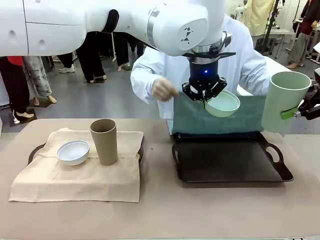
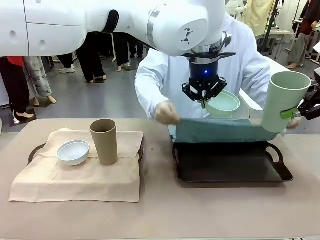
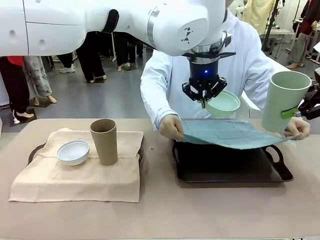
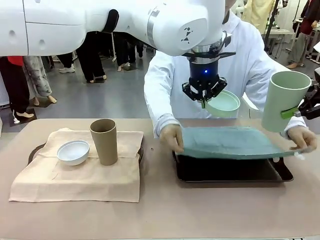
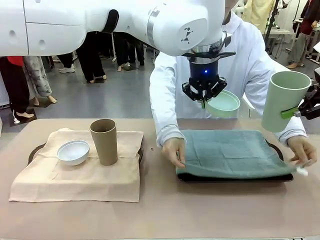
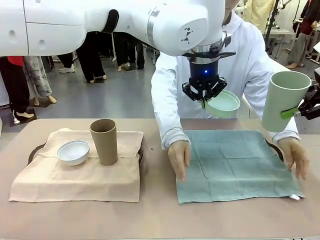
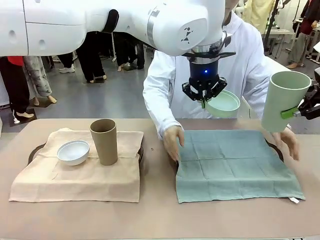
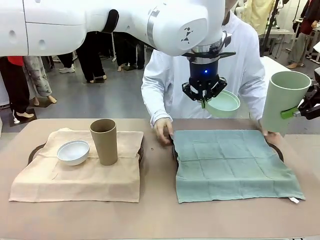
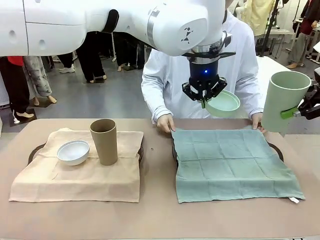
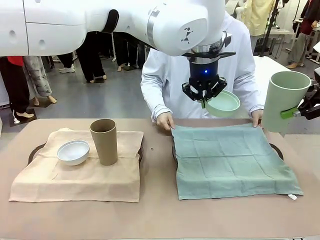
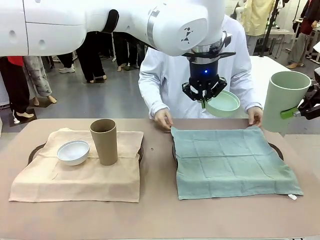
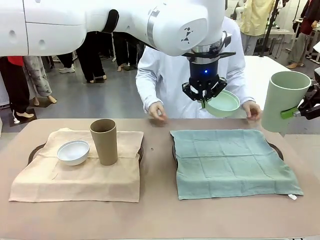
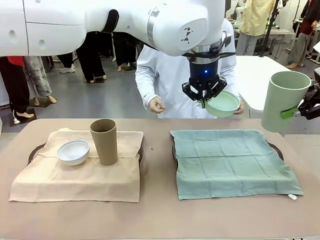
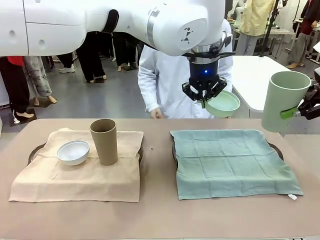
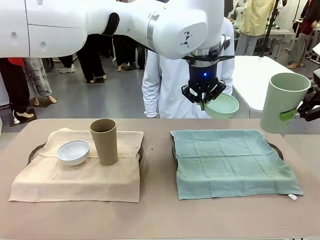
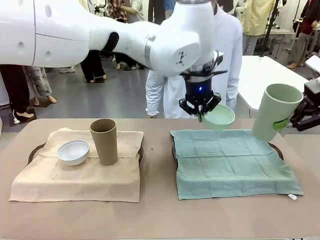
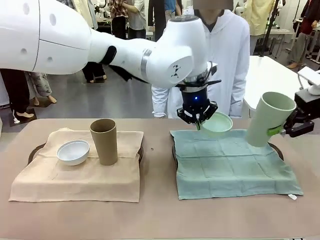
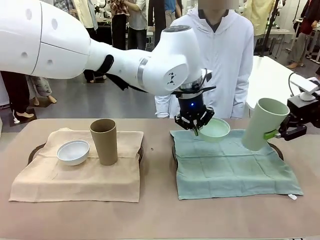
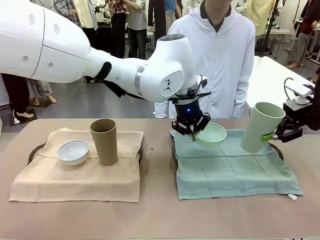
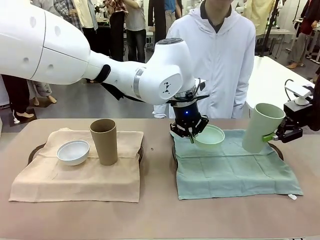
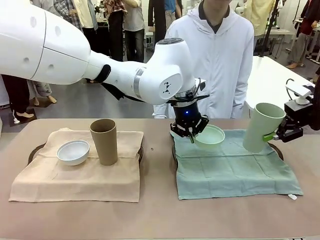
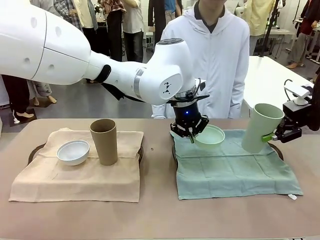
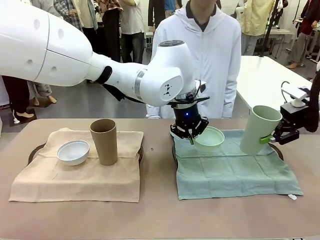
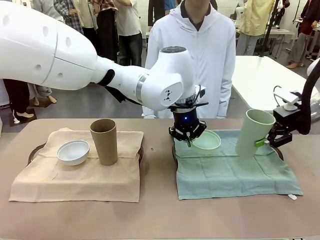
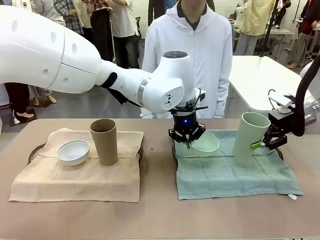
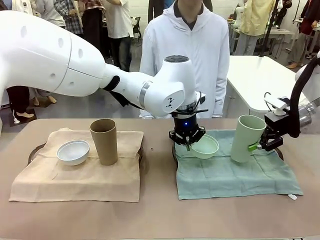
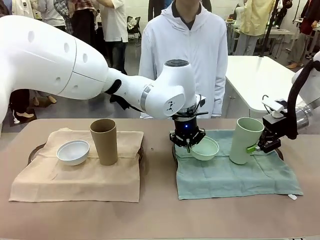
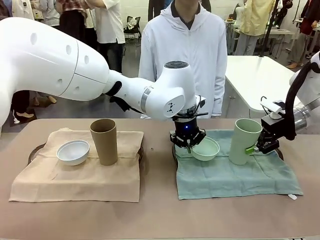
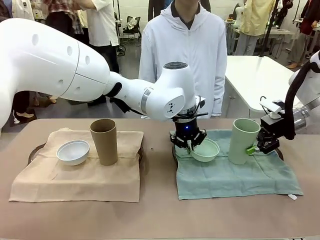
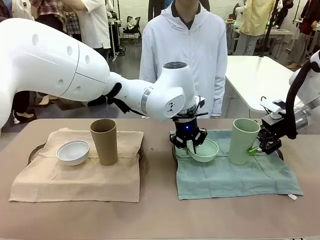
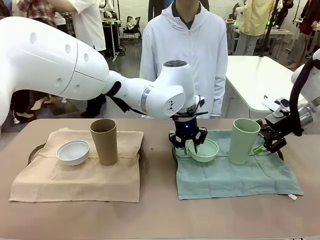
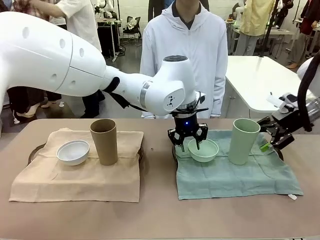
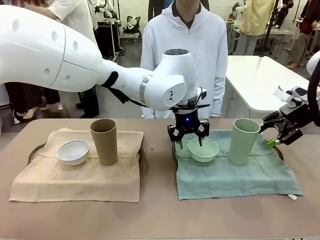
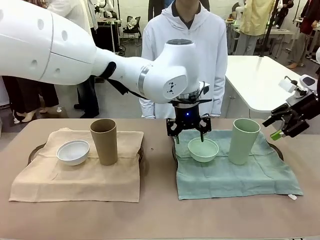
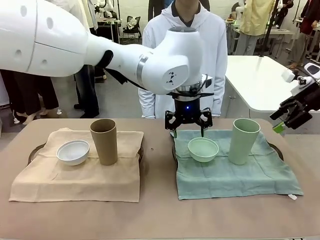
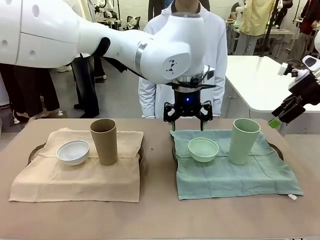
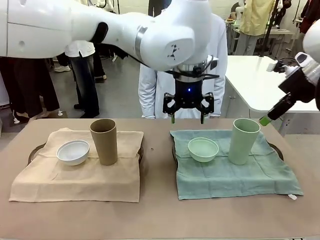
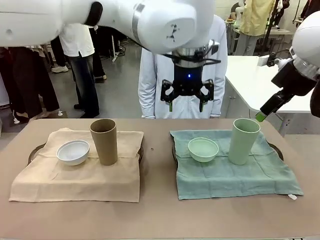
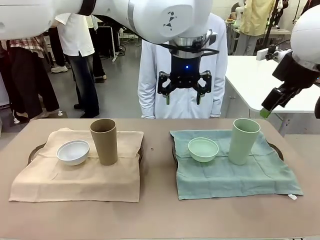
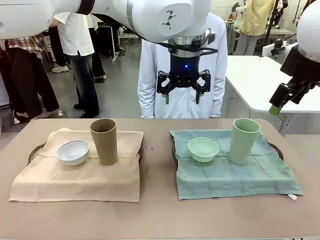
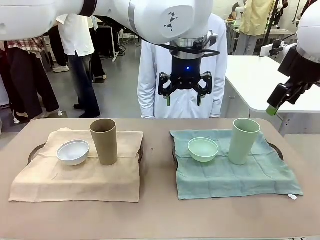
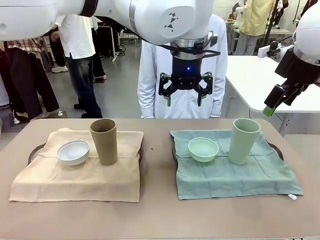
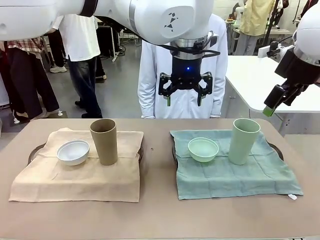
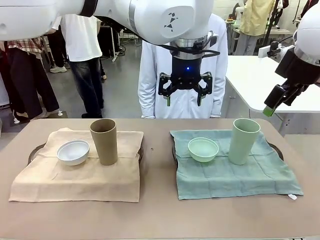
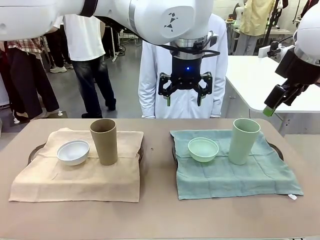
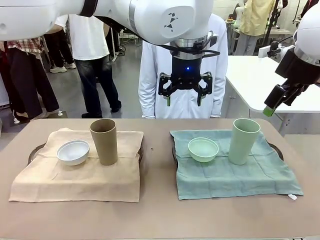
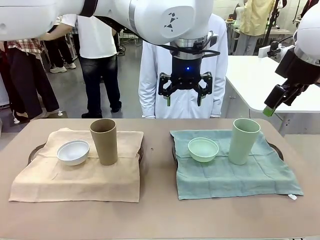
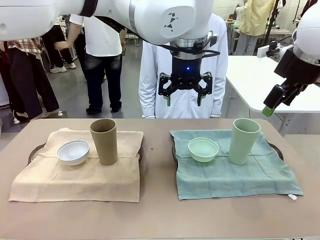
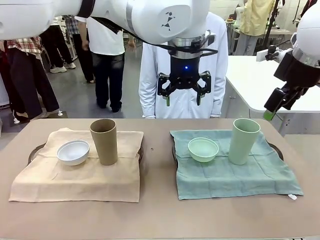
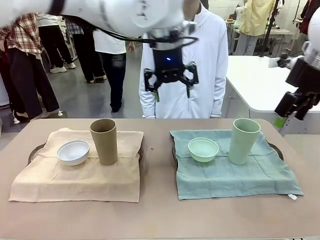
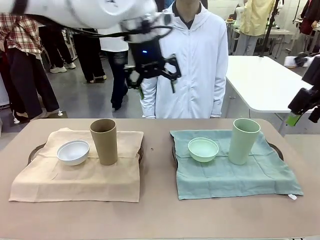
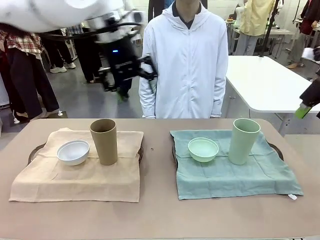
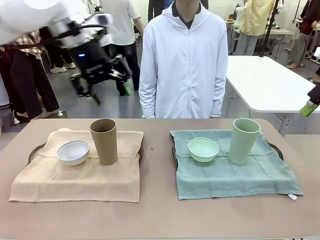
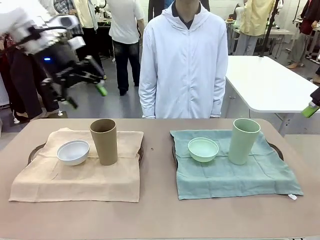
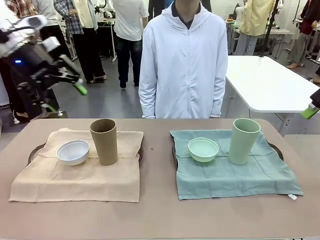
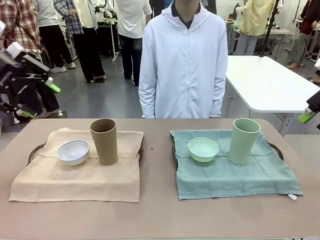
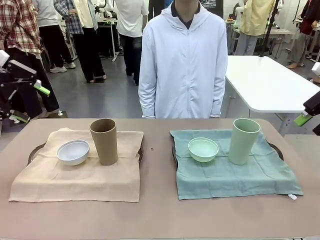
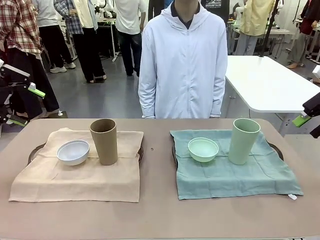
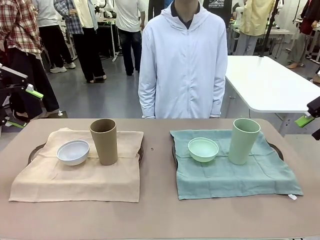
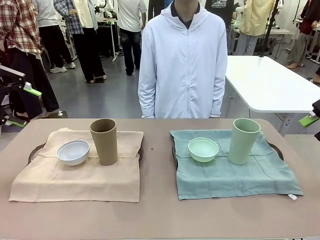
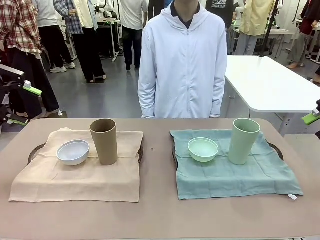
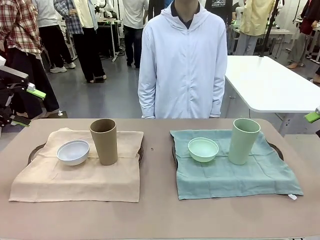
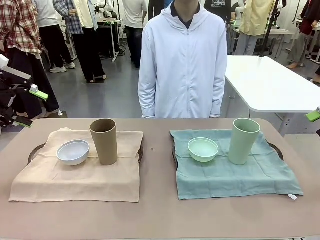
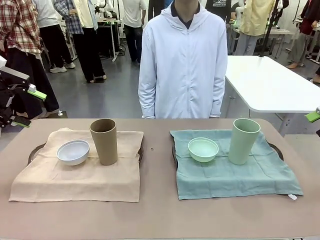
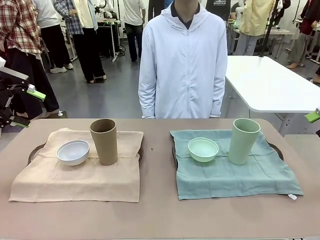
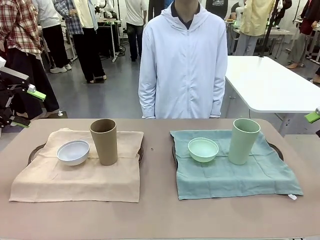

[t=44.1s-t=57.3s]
Robot: Place the Picnic Bowl and Reusable plastic cup back onto the Handle tray in front of the human's position.

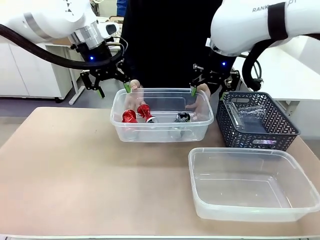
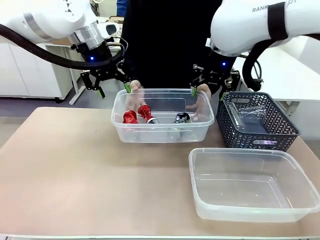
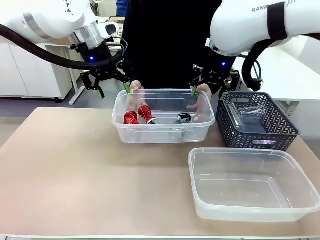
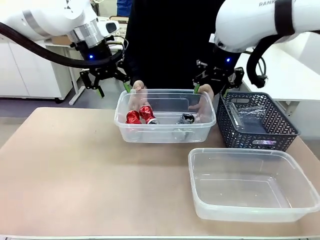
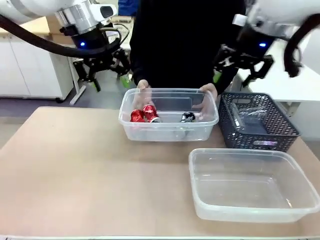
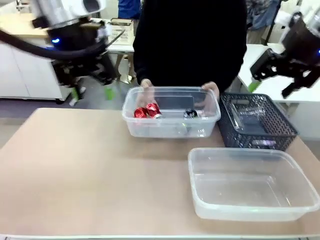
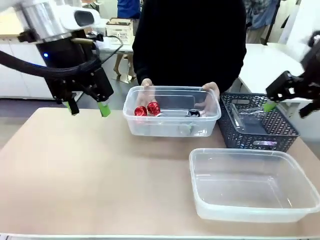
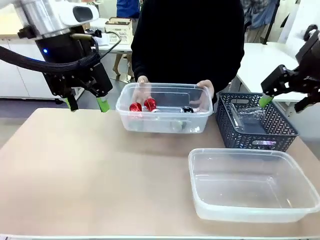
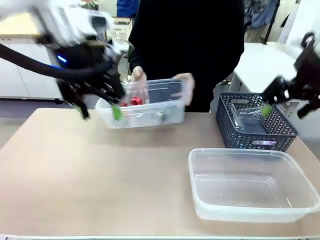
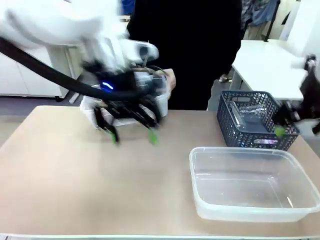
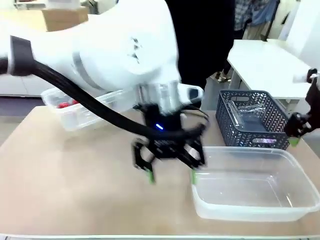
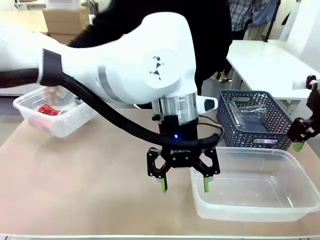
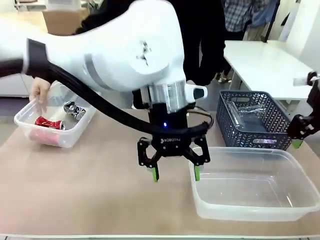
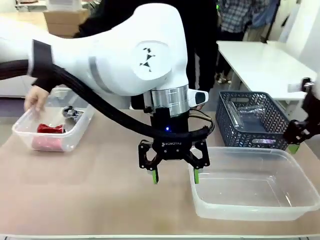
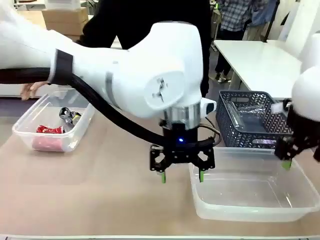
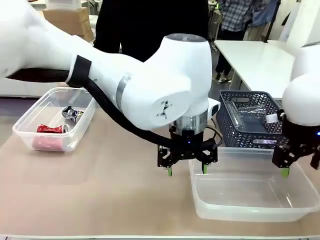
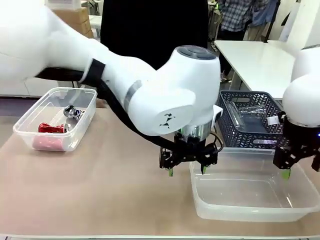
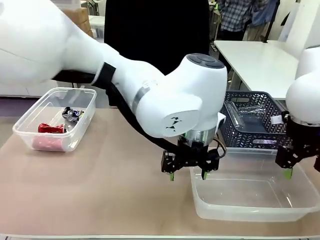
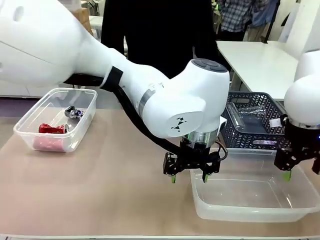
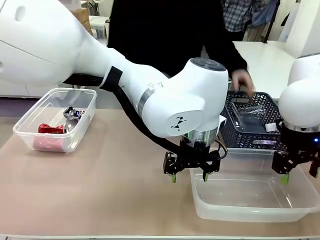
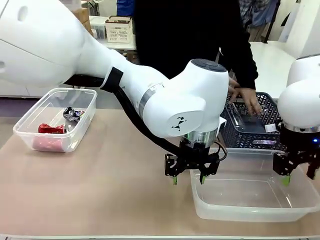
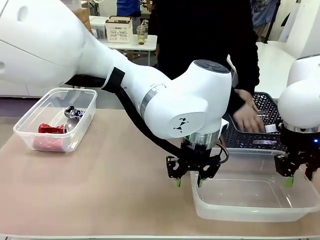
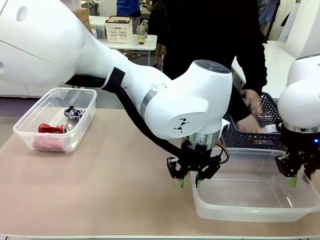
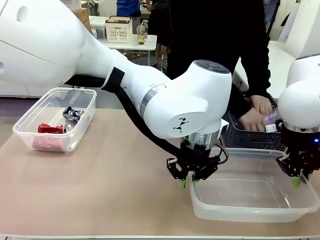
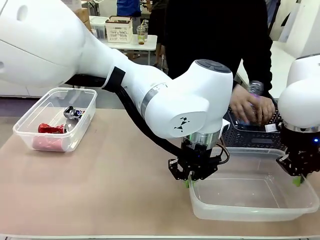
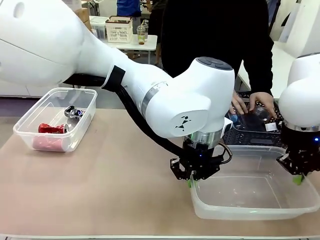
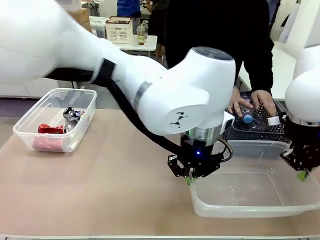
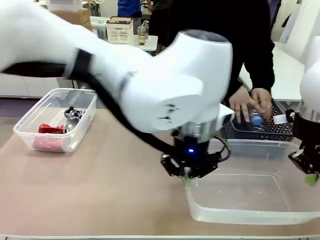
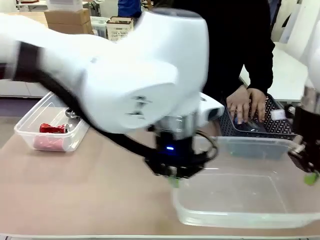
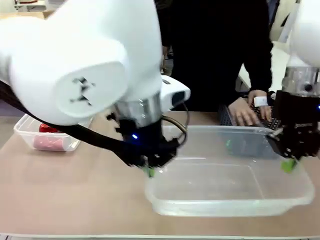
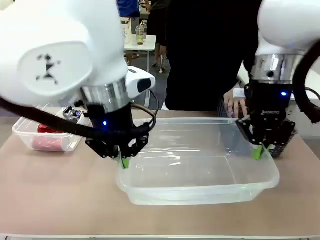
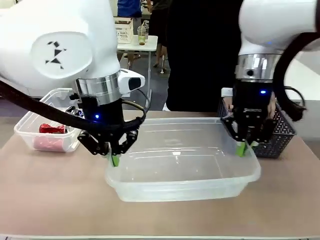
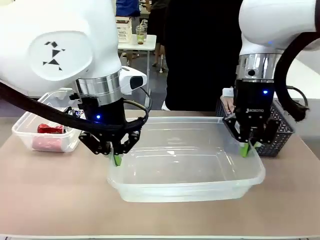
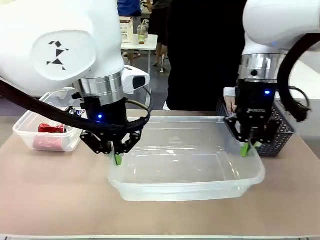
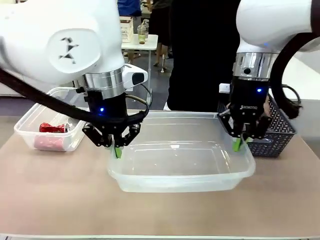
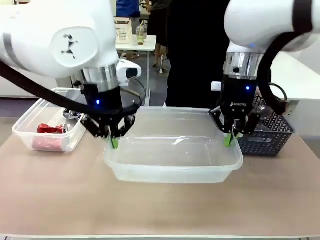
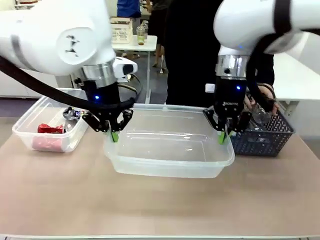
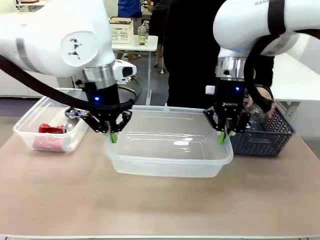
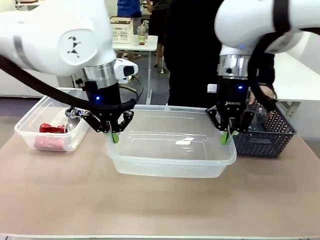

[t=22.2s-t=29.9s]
Robot: Pick up the Organizing box on the right side of the table and lift it.
Person: Place it at the edge of the bottom right area of the robot table.
